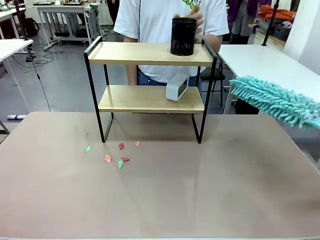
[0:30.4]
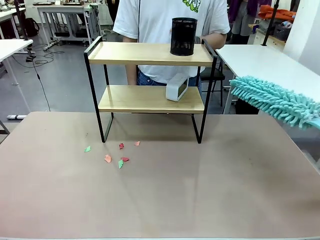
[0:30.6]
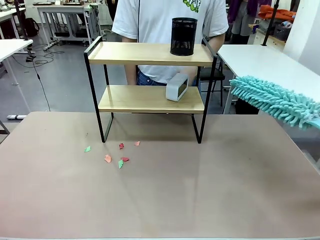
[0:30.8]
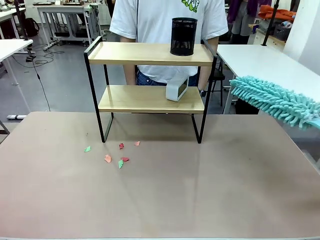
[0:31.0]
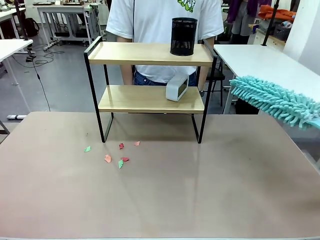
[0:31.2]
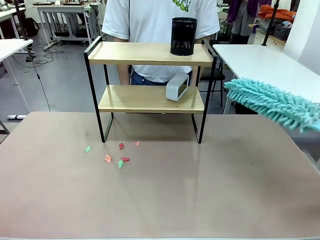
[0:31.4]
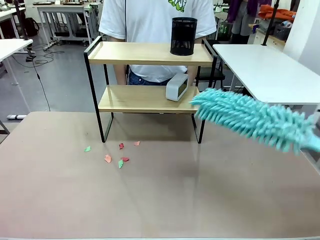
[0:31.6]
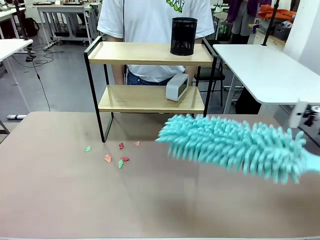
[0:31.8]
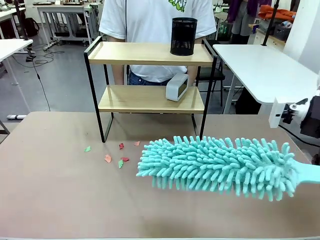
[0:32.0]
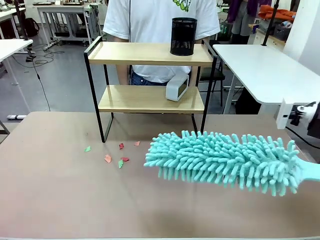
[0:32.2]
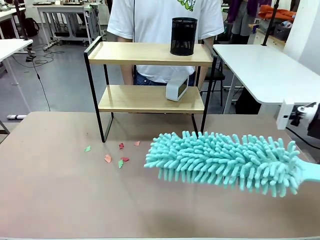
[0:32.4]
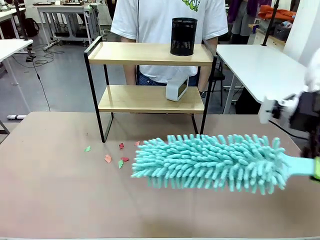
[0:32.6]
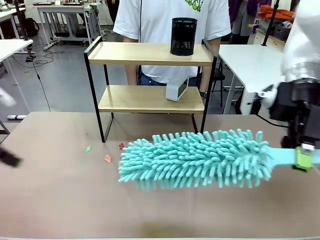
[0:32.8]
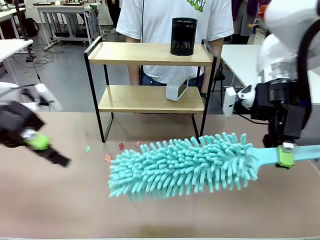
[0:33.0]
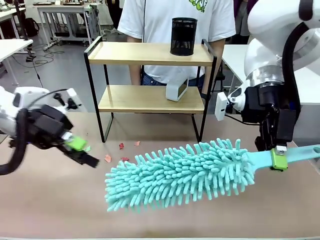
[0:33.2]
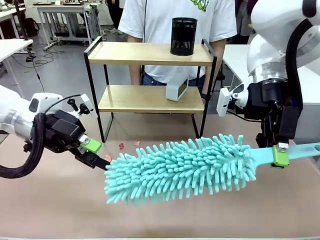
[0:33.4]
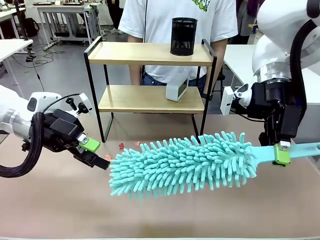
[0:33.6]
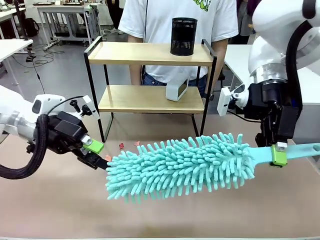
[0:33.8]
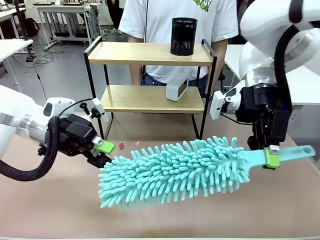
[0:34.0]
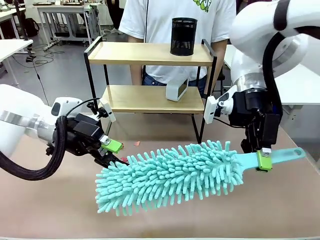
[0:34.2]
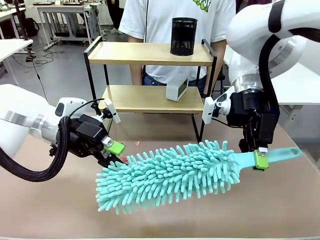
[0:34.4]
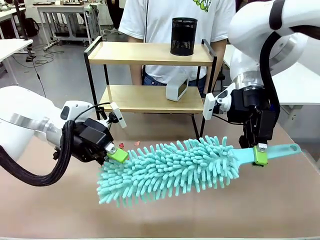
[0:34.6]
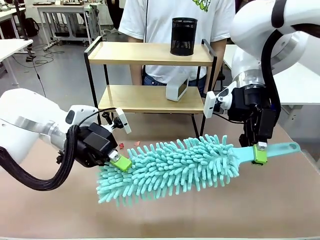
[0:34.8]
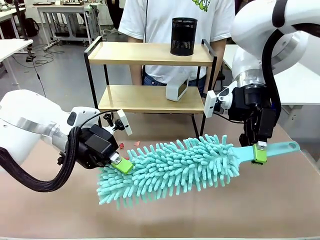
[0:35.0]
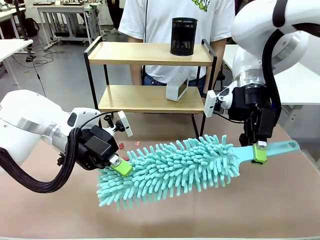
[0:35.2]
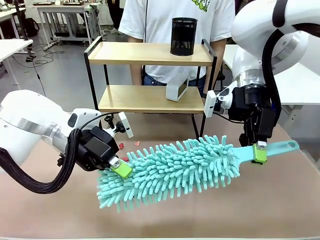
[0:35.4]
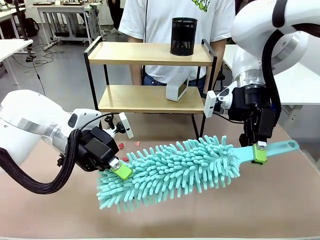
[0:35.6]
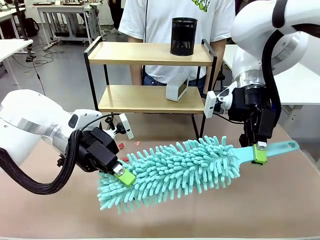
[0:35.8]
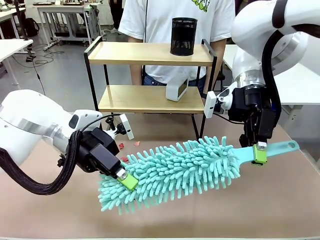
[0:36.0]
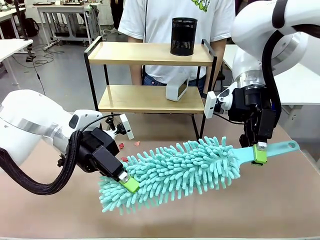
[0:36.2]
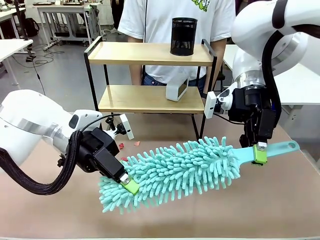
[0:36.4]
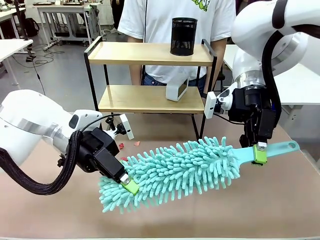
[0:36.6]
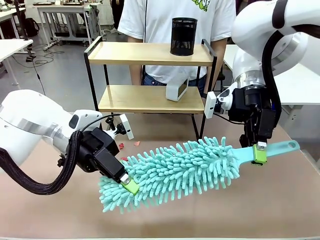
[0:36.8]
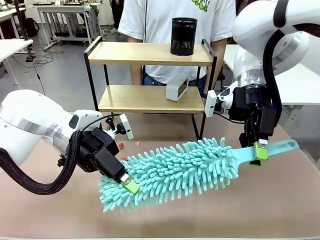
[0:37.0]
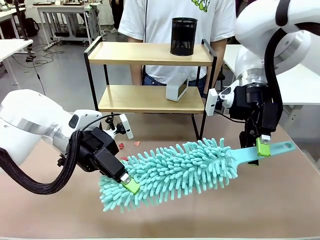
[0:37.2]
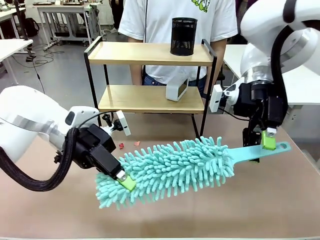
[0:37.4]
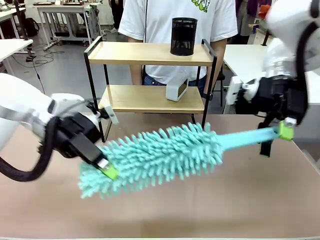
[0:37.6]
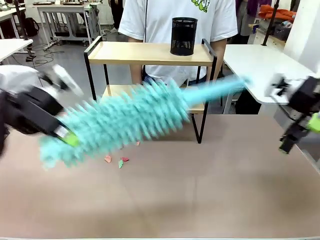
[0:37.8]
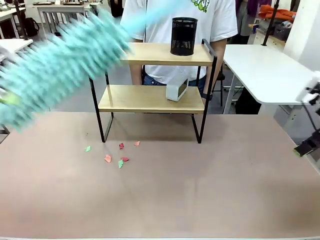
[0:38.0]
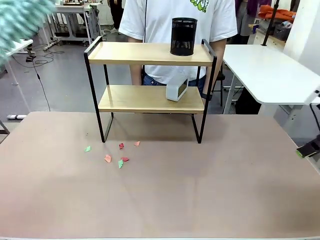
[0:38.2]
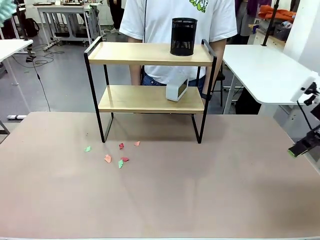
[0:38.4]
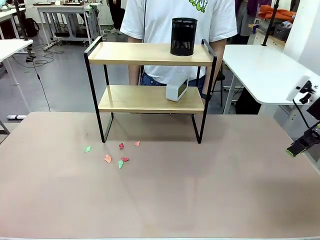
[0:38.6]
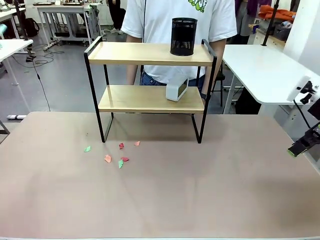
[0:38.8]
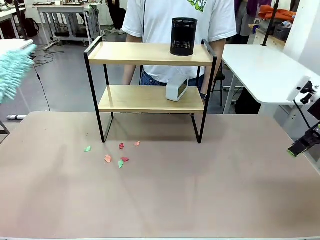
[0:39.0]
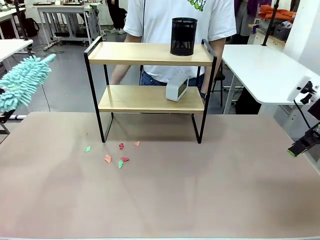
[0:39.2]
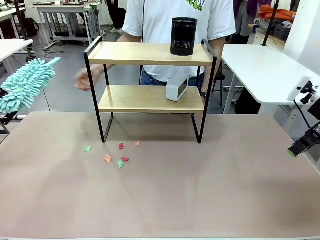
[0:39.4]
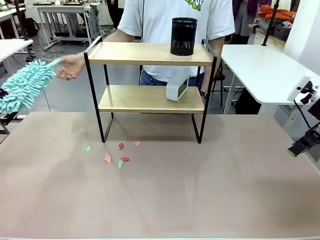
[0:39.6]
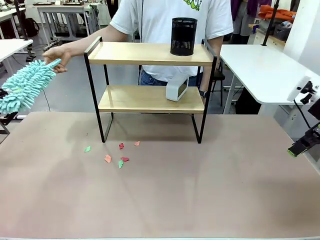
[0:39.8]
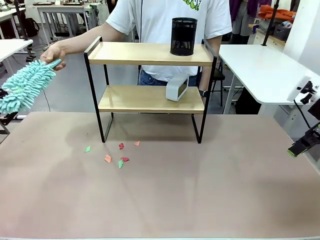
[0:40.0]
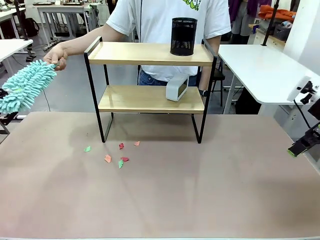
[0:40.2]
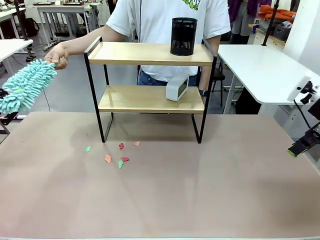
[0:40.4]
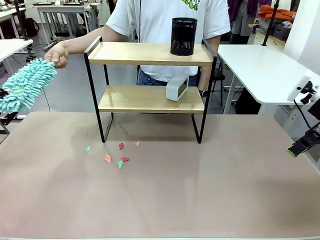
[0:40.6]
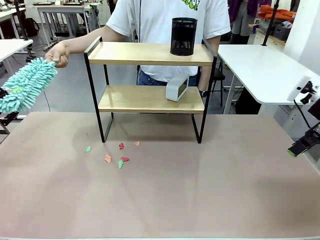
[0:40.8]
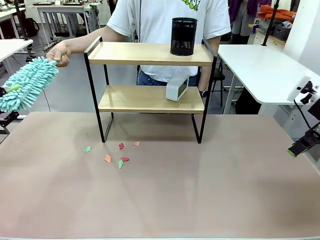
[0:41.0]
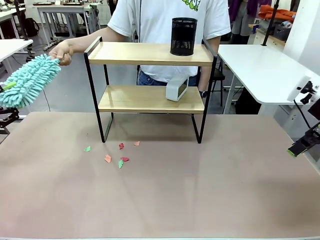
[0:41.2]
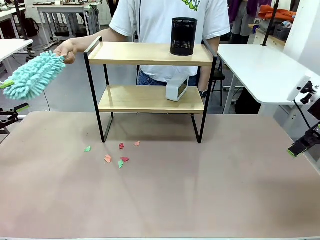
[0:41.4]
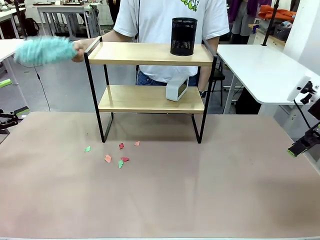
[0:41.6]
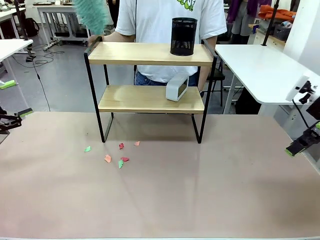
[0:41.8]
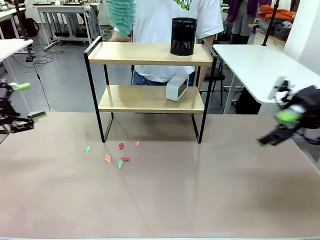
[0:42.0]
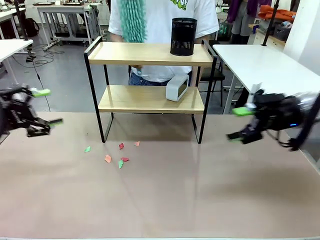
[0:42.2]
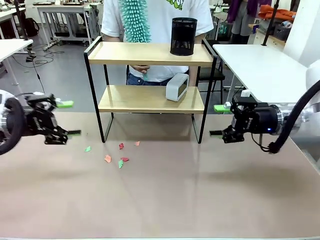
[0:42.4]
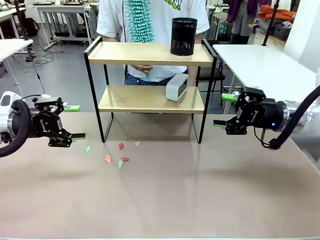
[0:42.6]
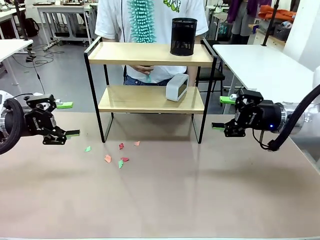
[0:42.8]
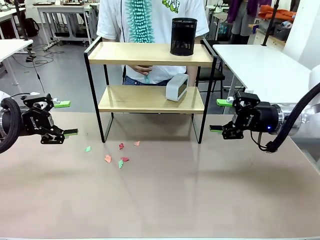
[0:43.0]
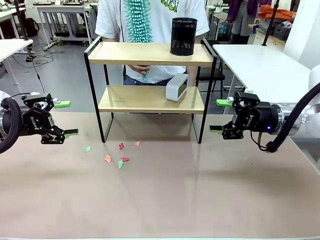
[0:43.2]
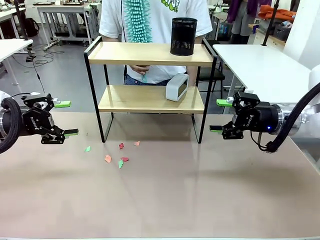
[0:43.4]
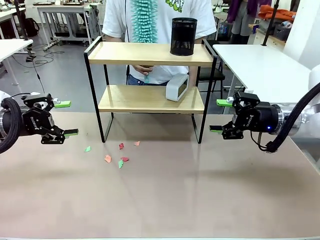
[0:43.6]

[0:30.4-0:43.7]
Task: Clean the shelf.
Robot: Hand the Duster back to the human.
Person: Receive the Duster from the robot.
